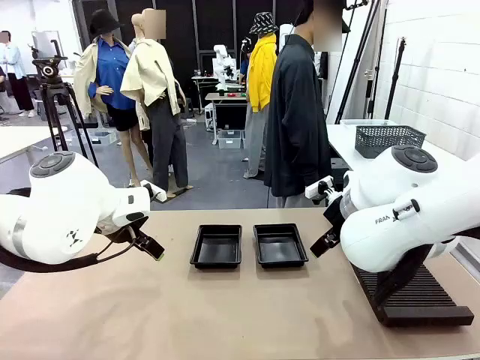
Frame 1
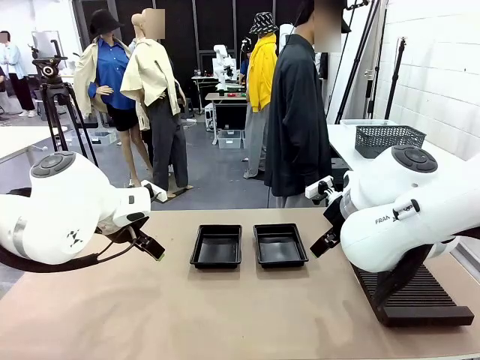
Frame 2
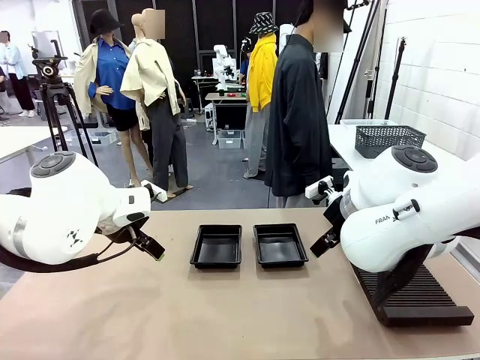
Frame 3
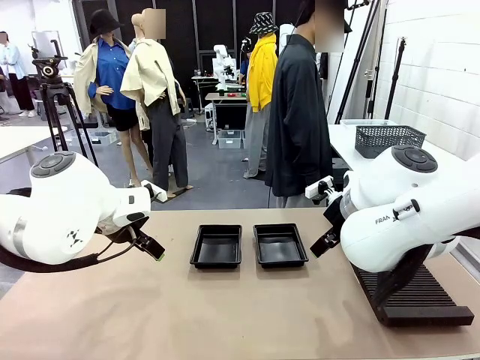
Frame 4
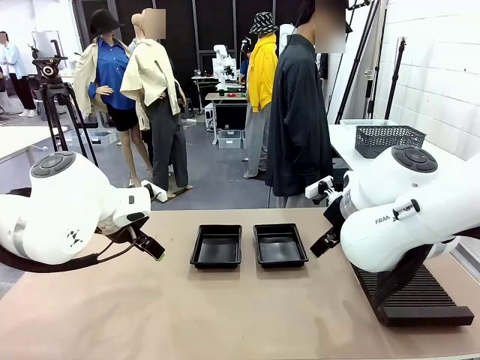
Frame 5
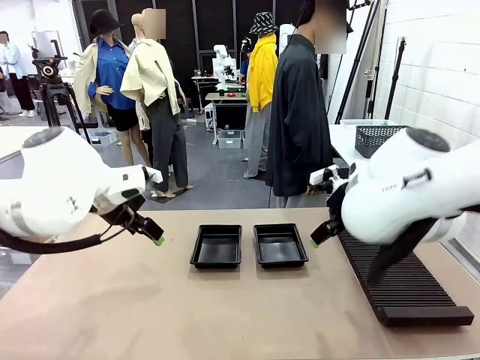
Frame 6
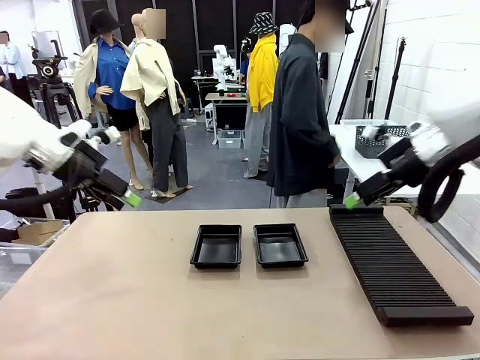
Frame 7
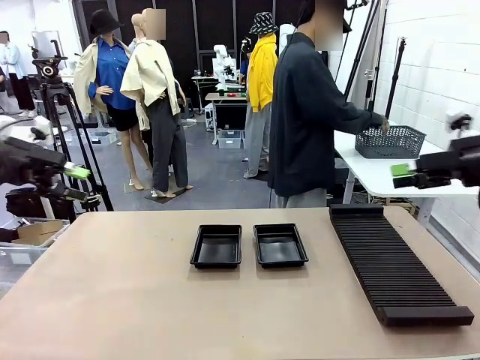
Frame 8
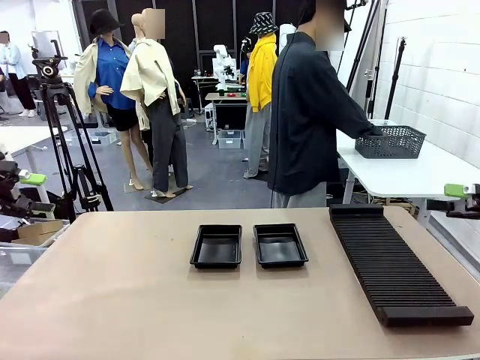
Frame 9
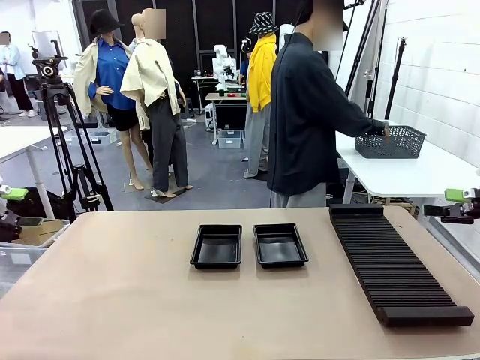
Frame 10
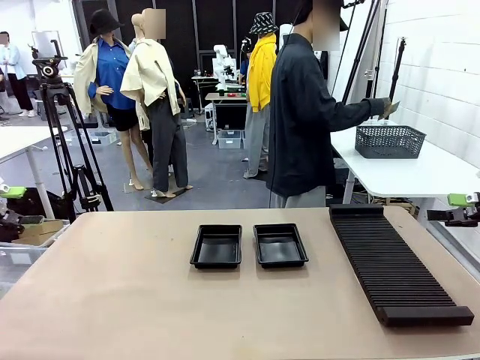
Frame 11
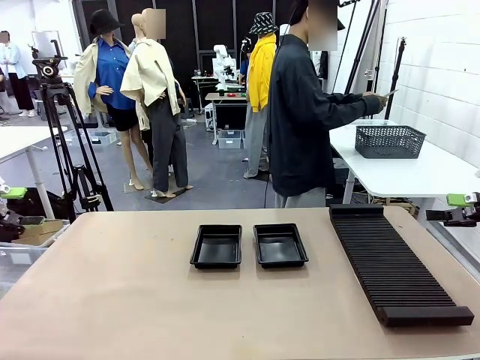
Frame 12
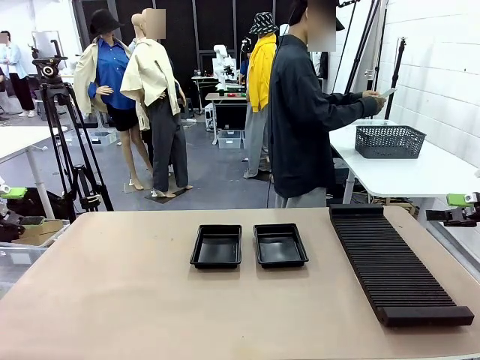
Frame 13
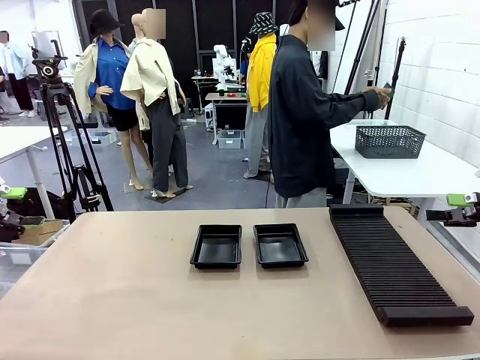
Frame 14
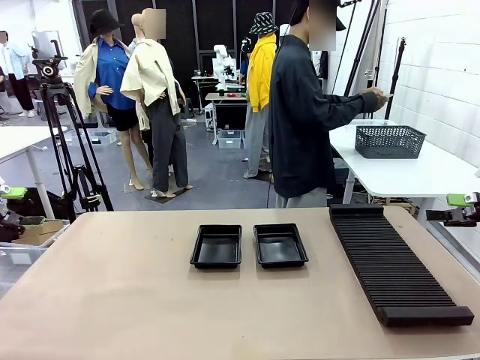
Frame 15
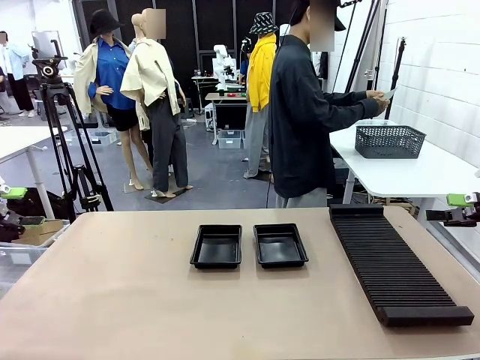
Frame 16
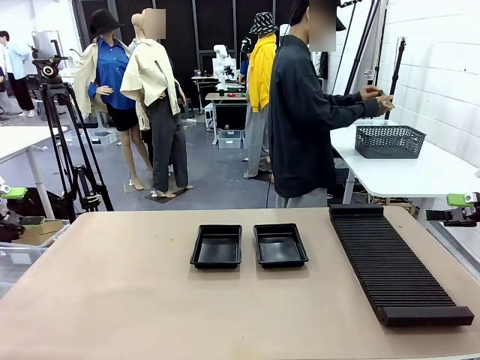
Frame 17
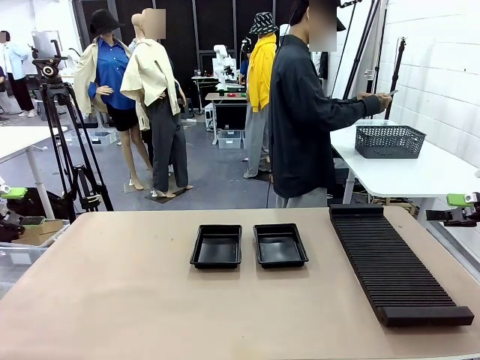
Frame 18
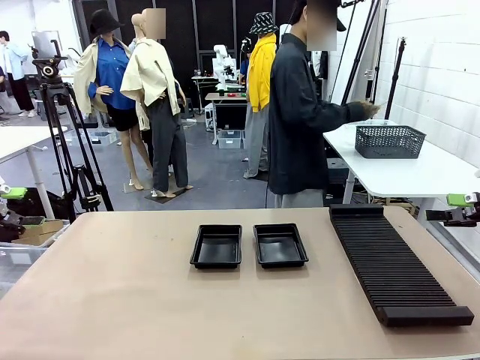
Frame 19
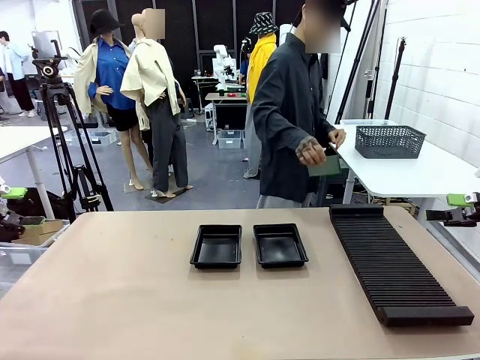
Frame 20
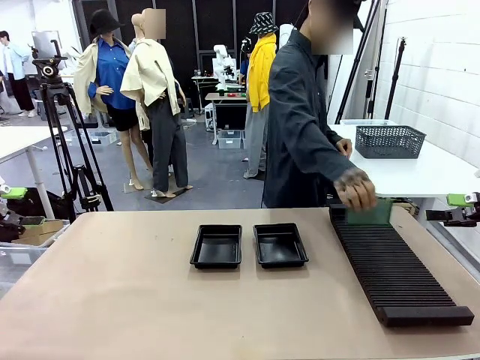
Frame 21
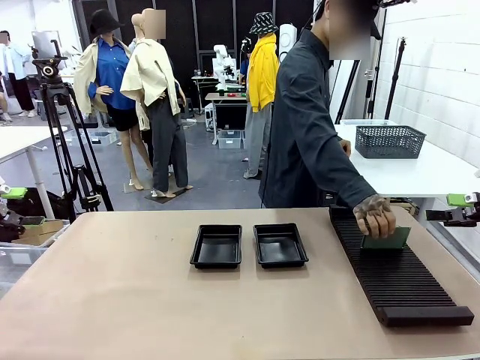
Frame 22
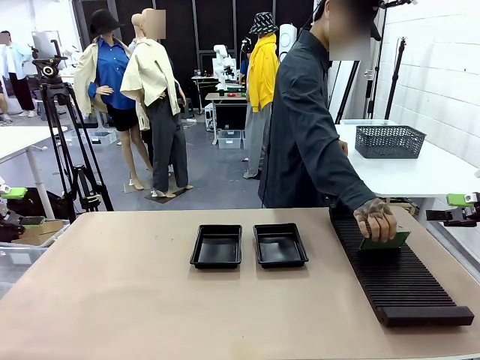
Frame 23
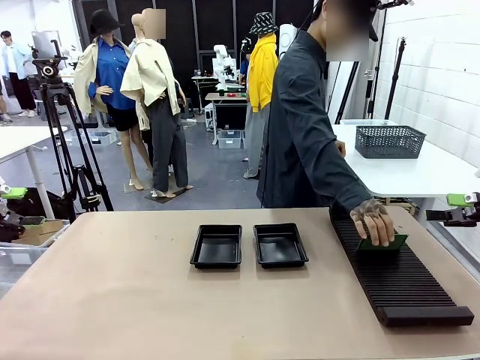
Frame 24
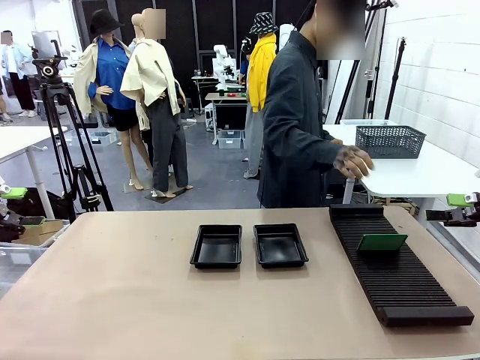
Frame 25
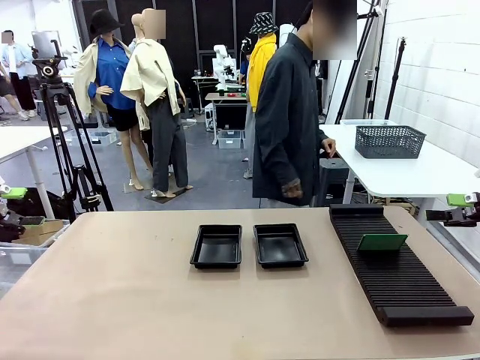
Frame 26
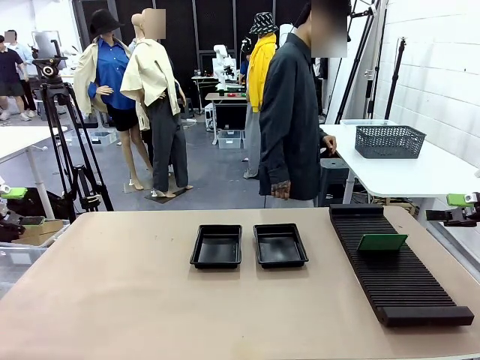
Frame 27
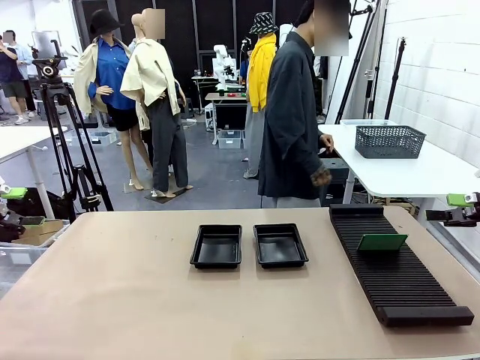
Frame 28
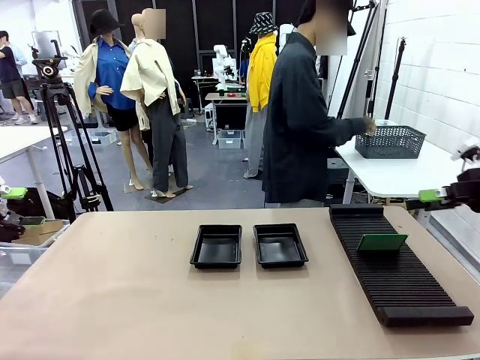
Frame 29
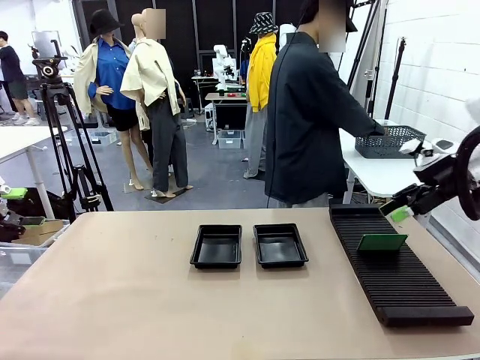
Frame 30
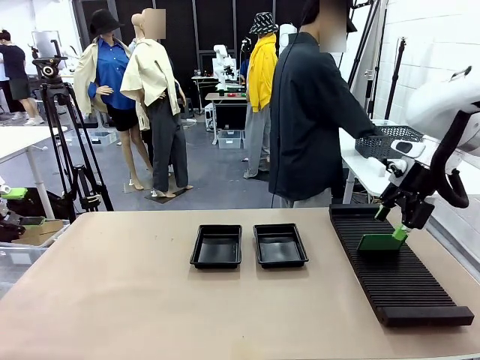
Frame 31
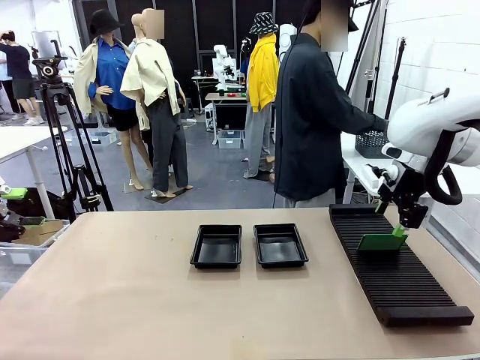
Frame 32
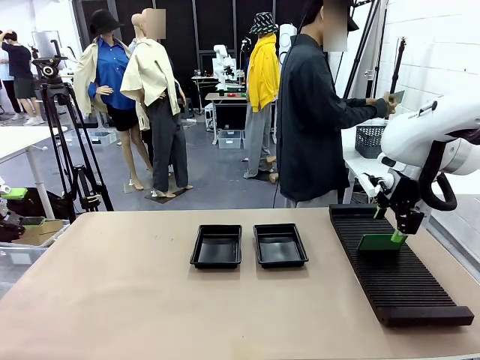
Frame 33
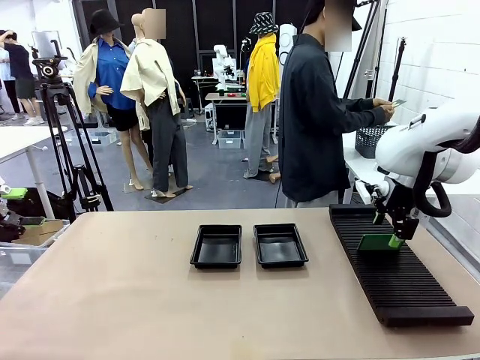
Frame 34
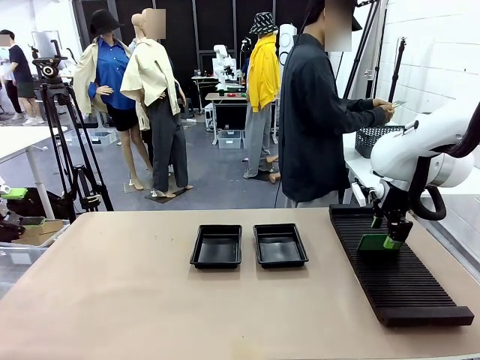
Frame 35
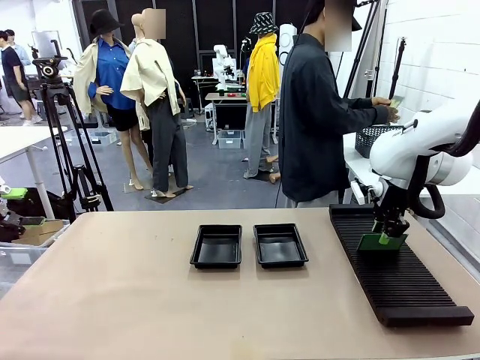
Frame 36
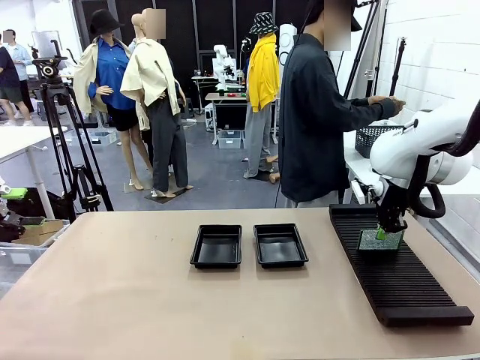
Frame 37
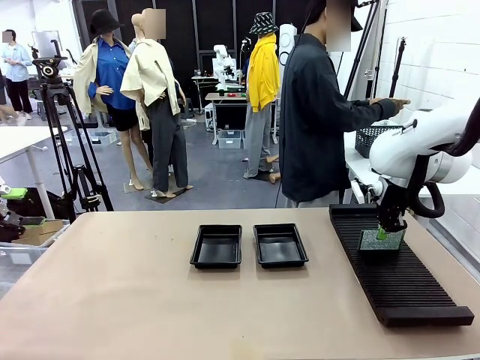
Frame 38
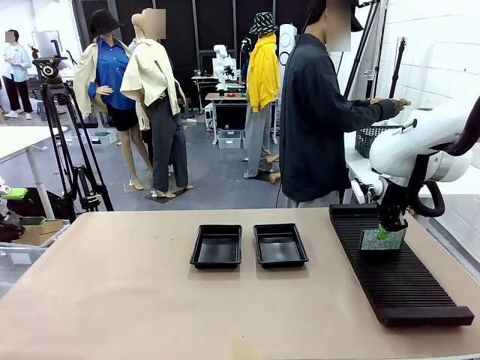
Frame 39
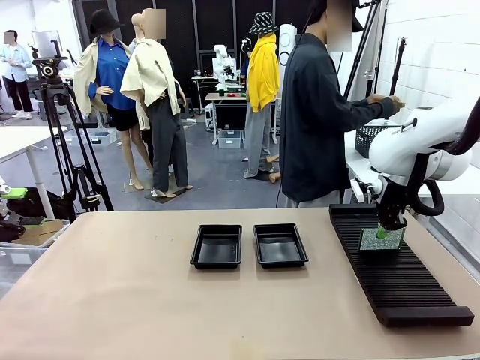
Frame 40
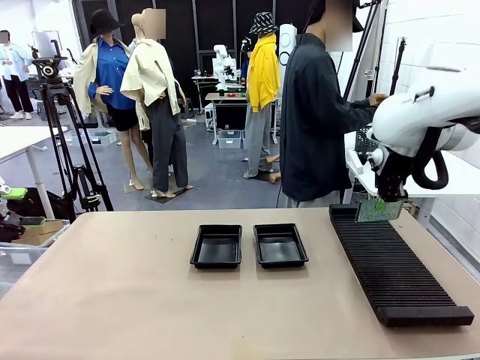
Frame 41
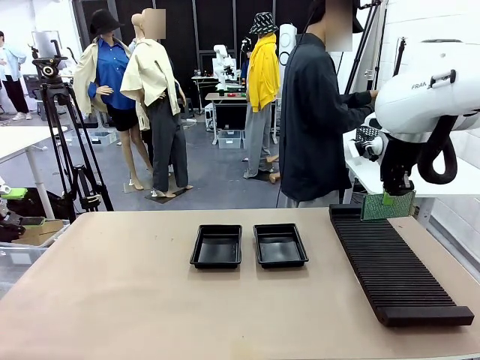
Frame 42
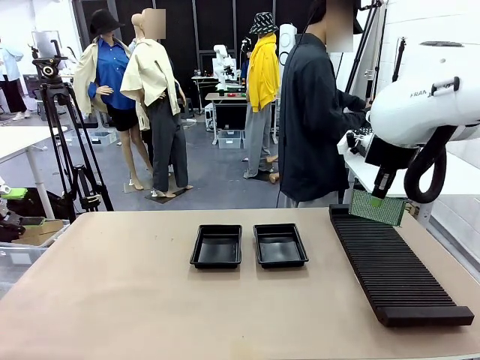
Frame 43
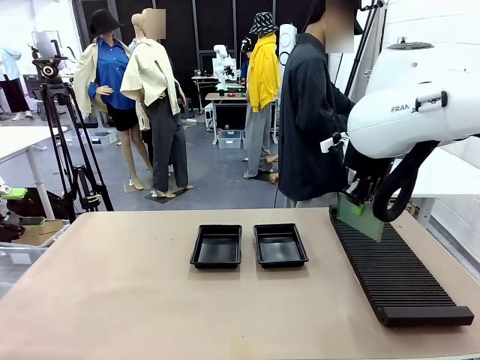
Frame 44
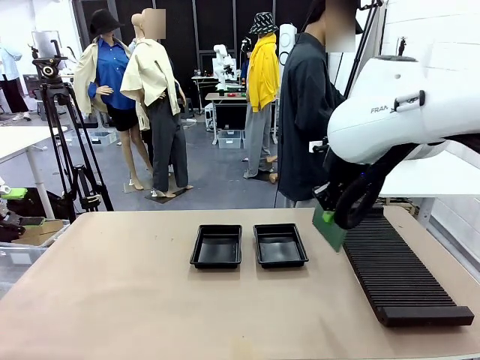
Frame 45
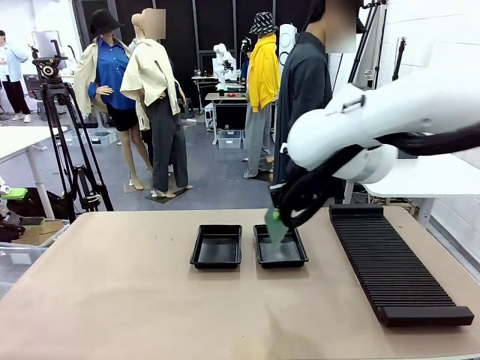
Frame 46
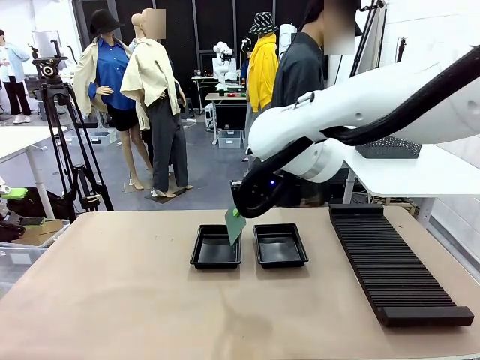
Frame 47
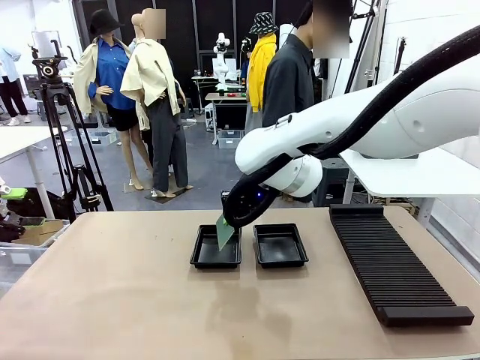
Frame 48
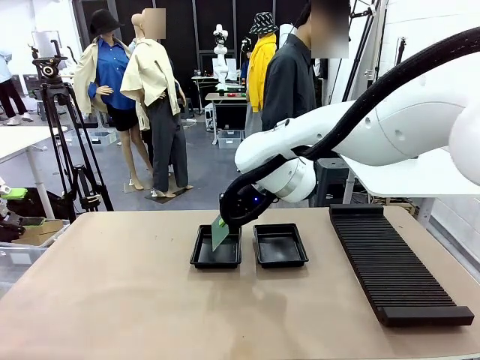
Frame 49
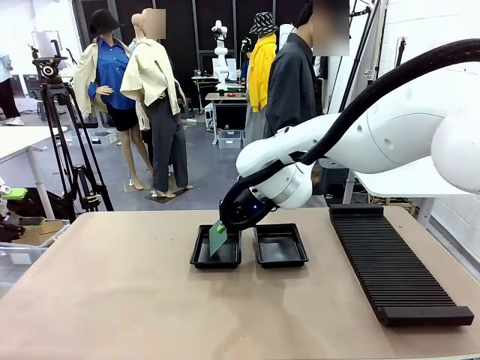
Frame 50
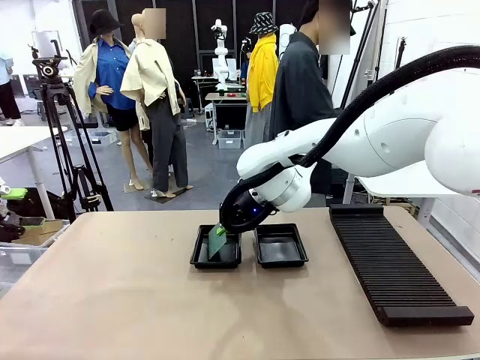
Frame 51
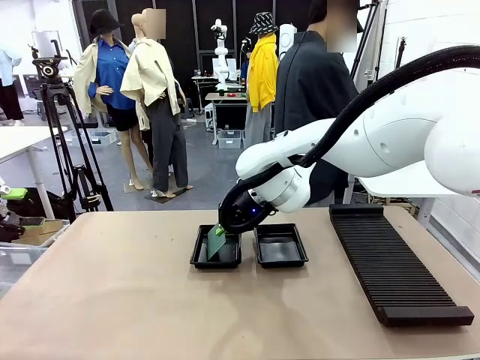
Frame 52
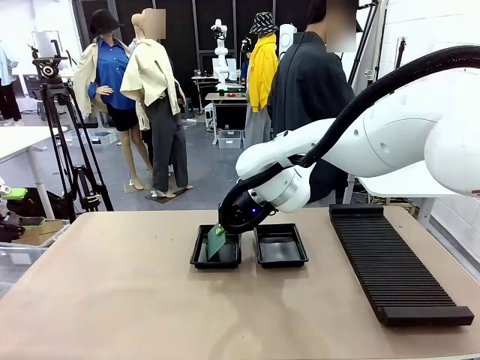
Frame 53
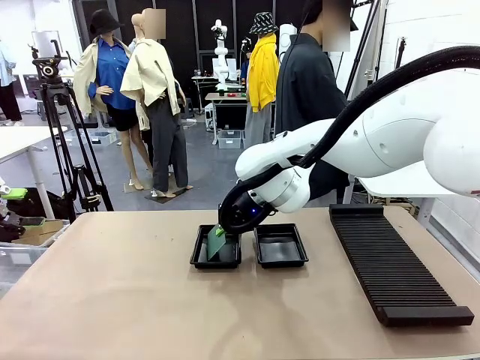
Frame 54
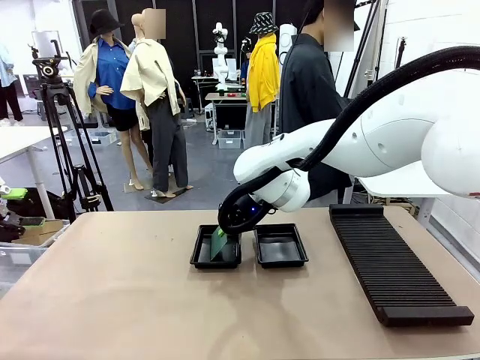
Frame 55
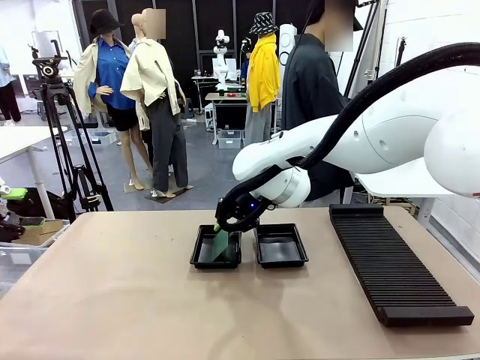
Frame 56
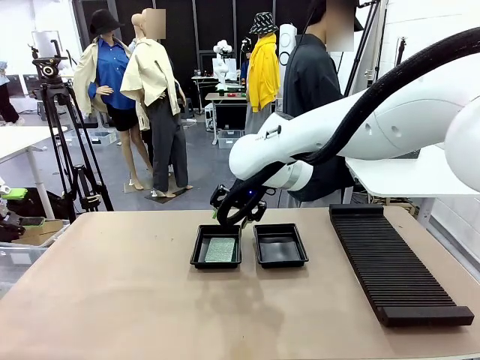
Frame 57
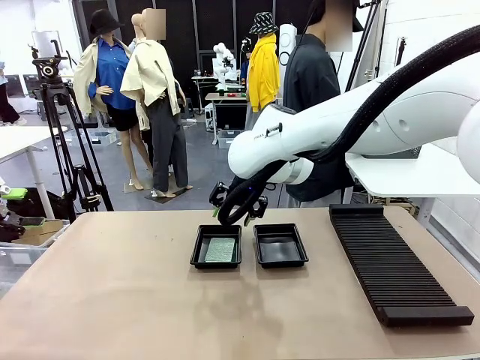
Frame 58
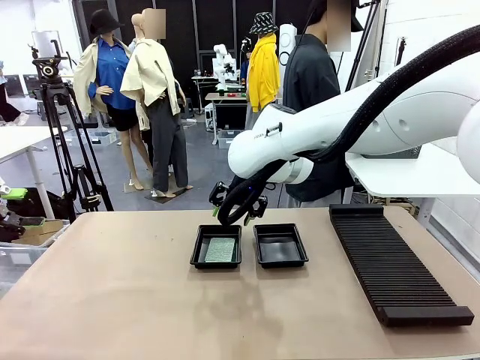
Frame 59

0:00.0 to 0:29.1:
Task: Inspect and transfer BCBs to ESD trays.
Robot: Pick up the Blank PCB from the PCB Rack and place it in the left ESD tray.
